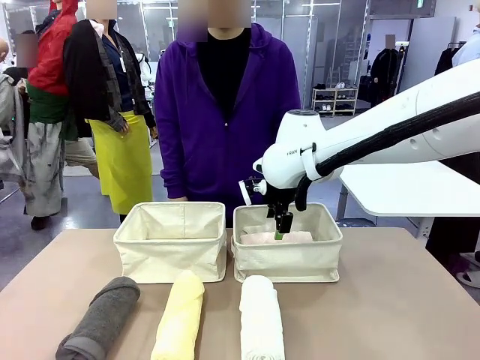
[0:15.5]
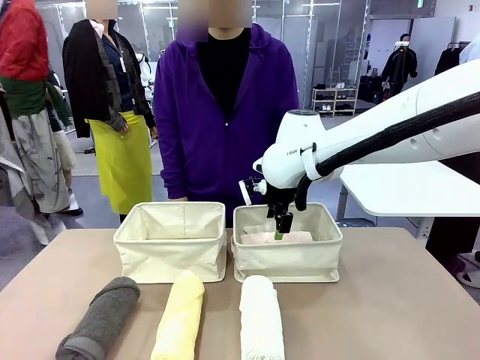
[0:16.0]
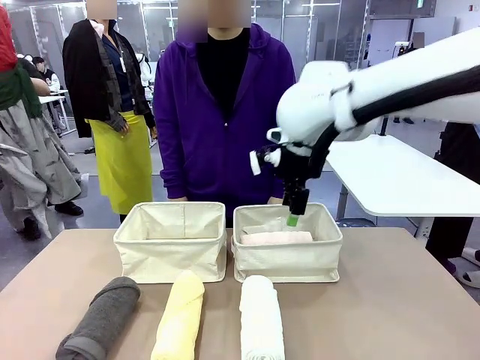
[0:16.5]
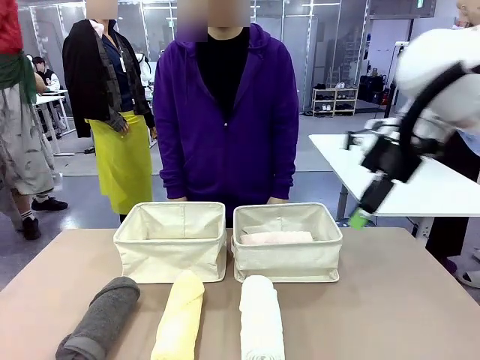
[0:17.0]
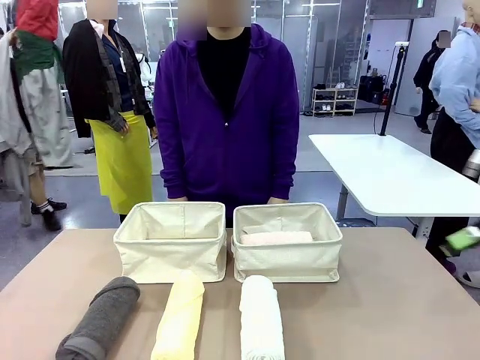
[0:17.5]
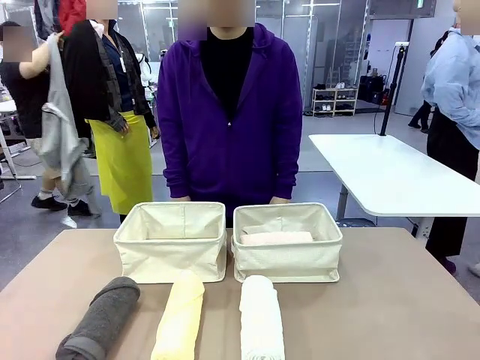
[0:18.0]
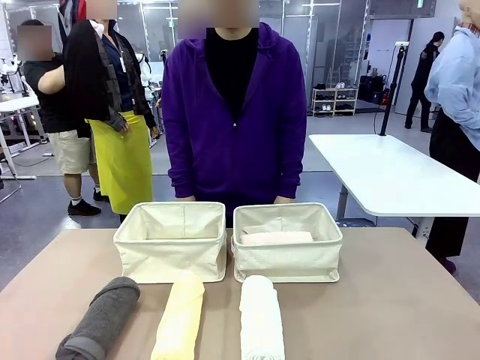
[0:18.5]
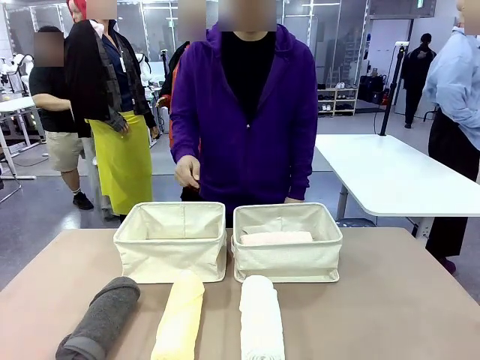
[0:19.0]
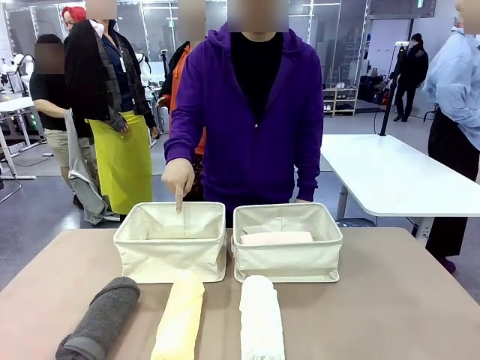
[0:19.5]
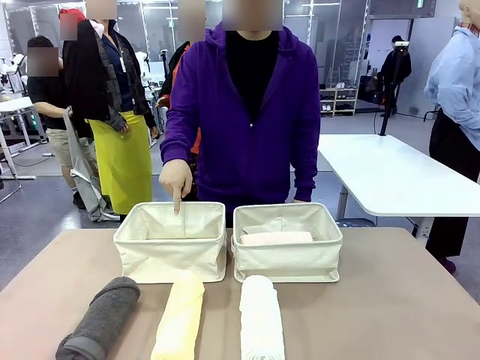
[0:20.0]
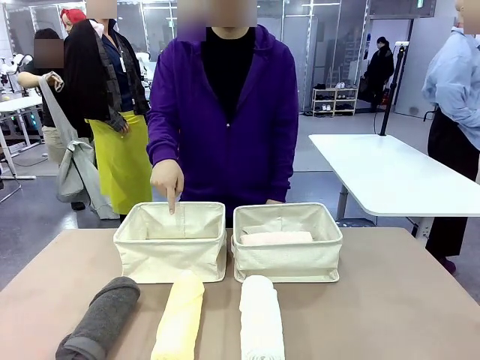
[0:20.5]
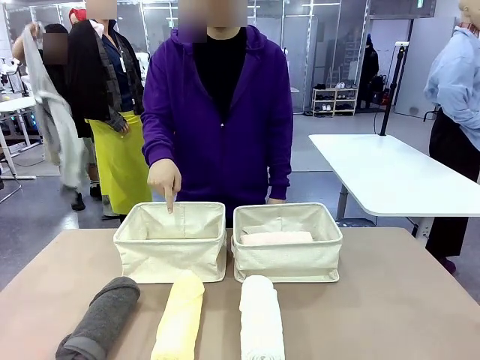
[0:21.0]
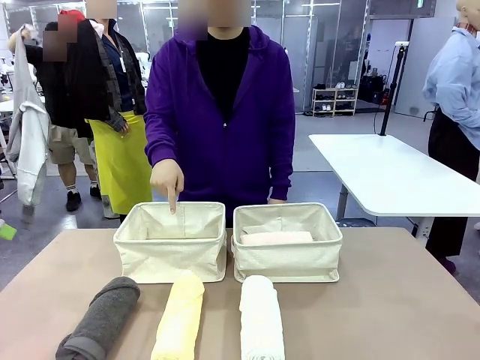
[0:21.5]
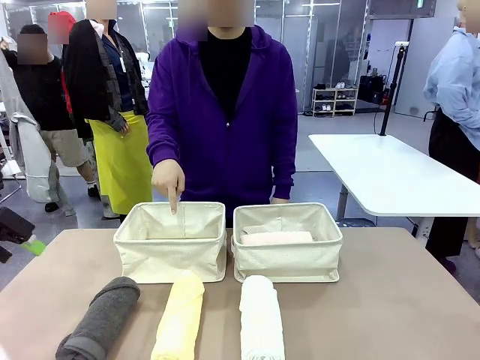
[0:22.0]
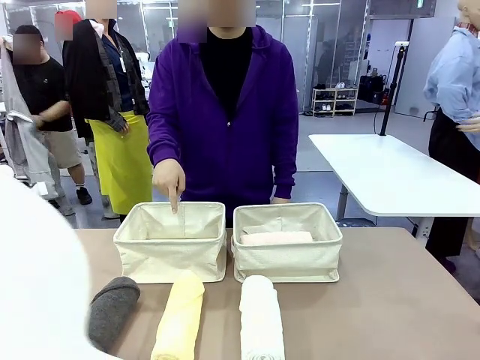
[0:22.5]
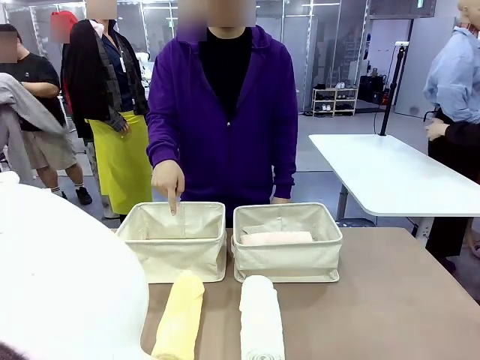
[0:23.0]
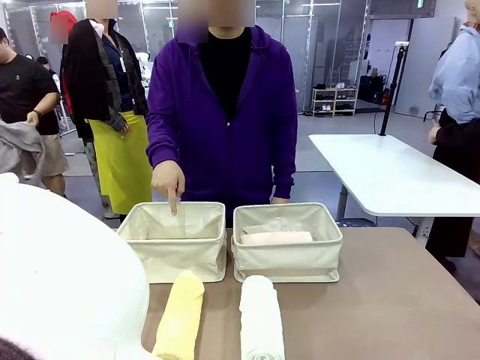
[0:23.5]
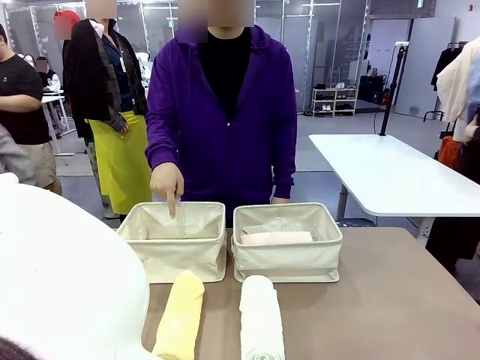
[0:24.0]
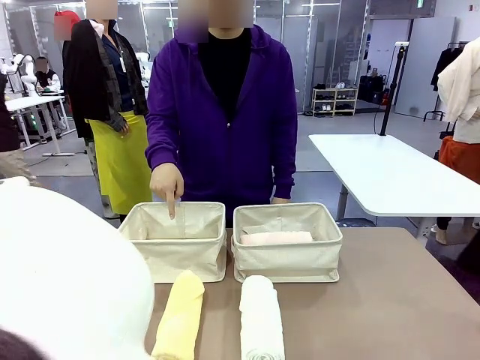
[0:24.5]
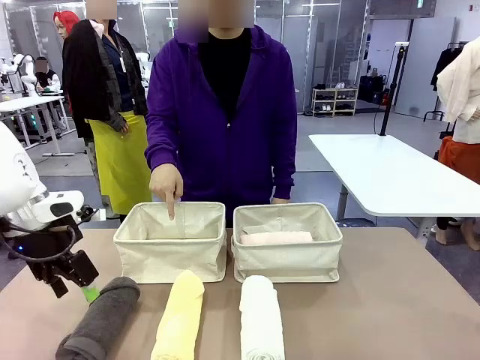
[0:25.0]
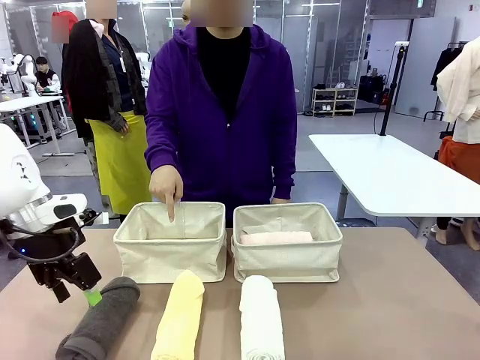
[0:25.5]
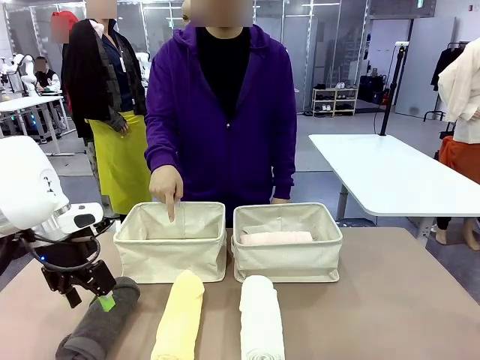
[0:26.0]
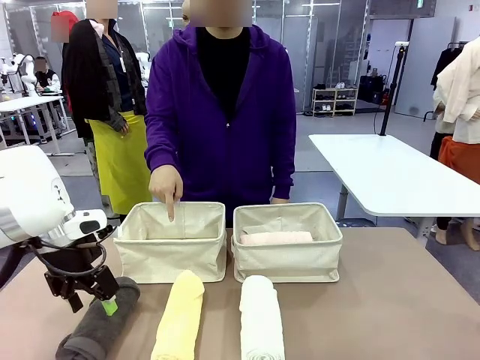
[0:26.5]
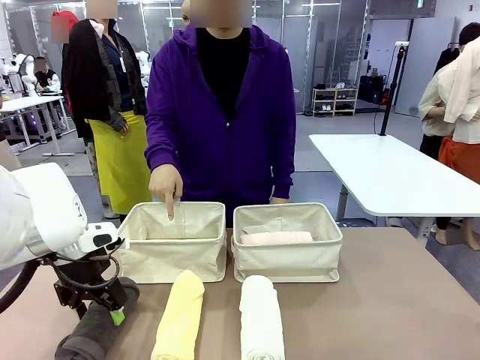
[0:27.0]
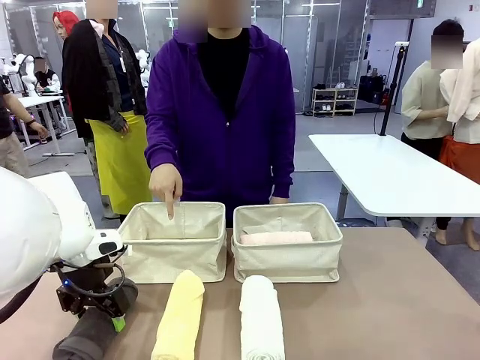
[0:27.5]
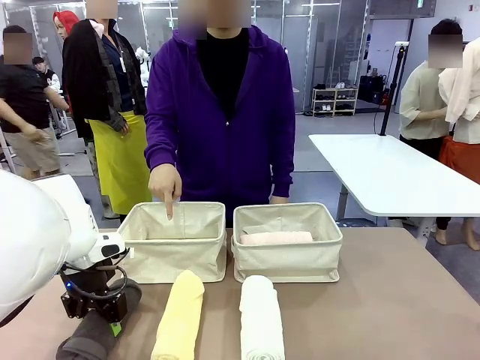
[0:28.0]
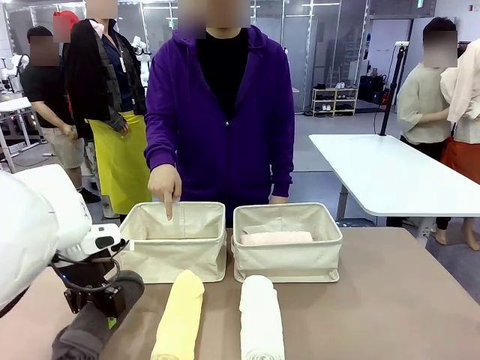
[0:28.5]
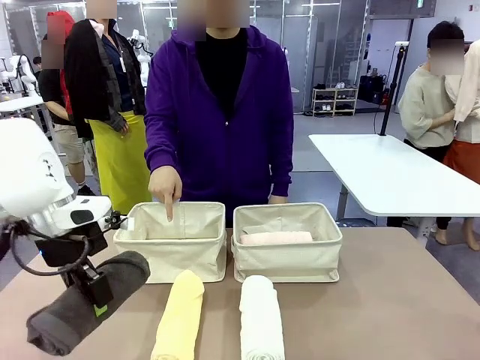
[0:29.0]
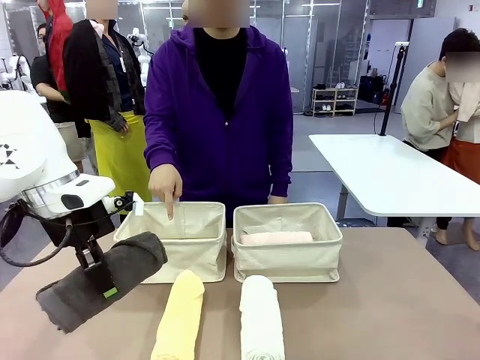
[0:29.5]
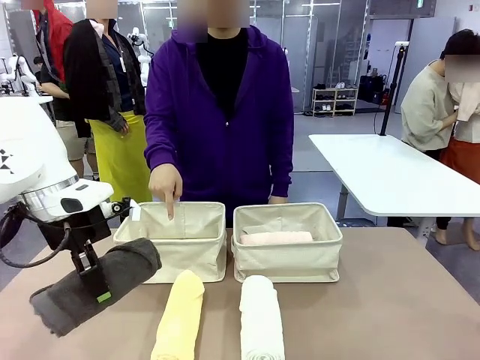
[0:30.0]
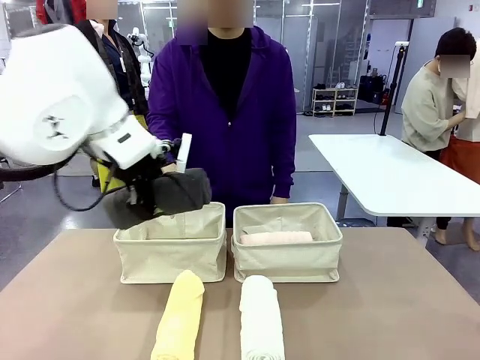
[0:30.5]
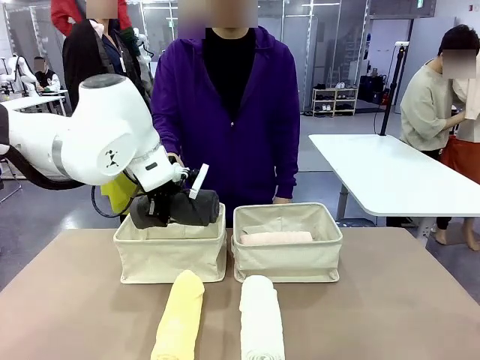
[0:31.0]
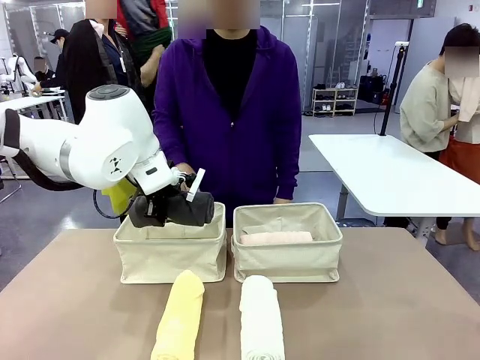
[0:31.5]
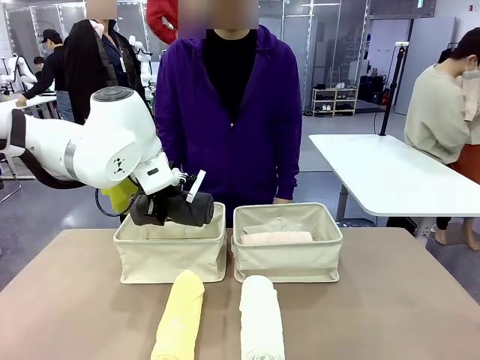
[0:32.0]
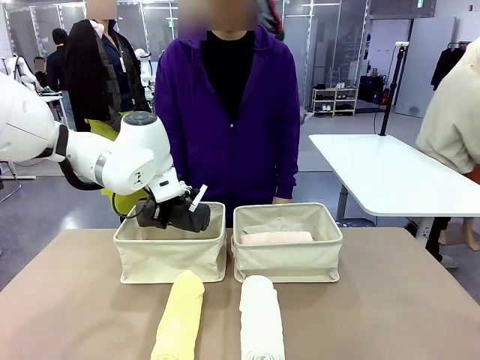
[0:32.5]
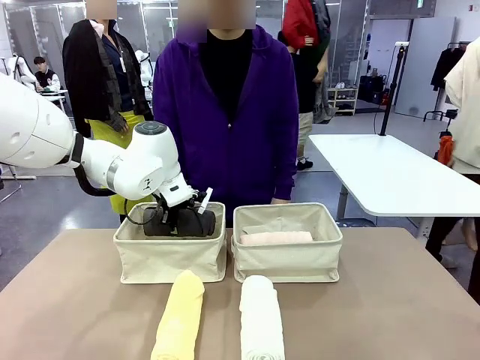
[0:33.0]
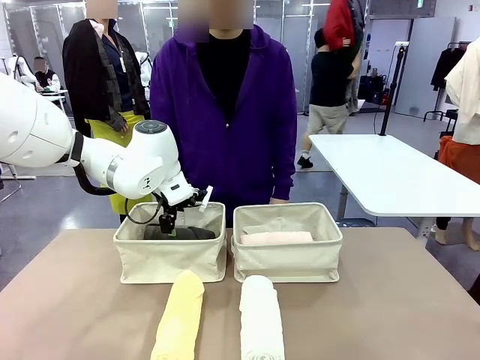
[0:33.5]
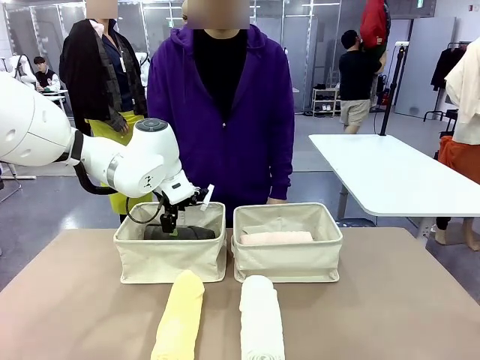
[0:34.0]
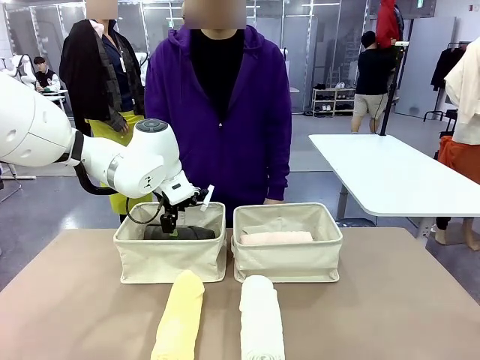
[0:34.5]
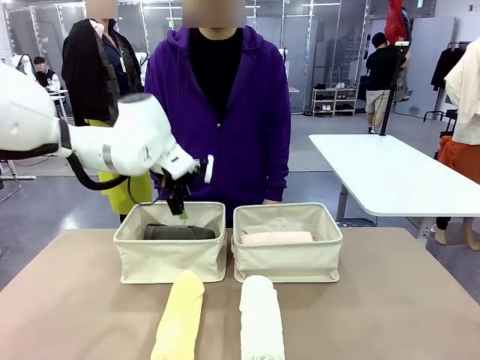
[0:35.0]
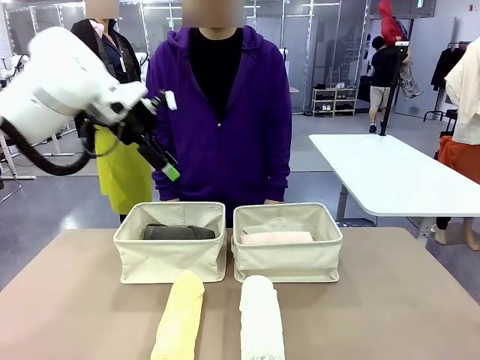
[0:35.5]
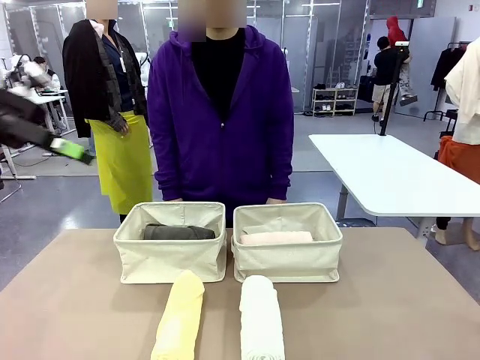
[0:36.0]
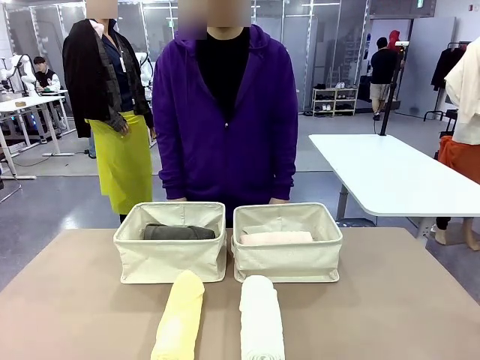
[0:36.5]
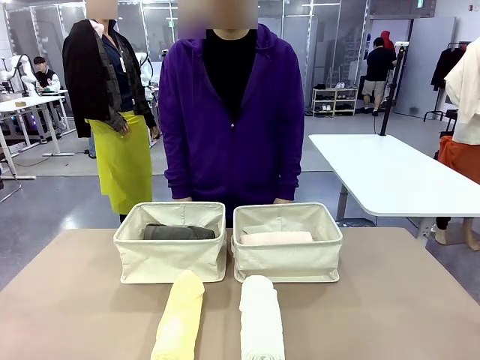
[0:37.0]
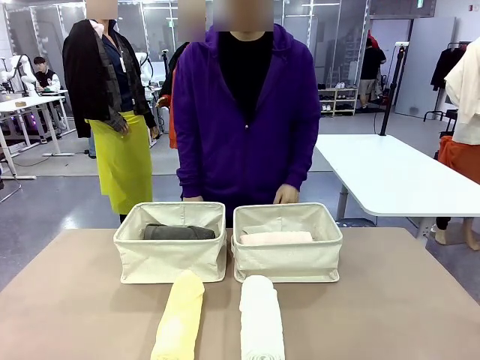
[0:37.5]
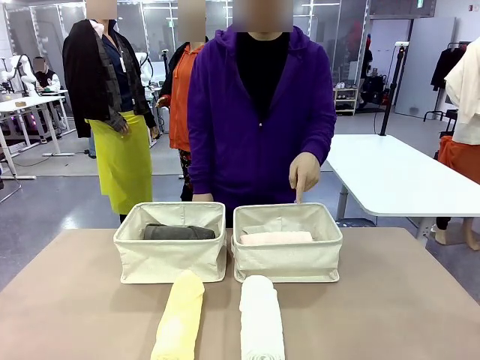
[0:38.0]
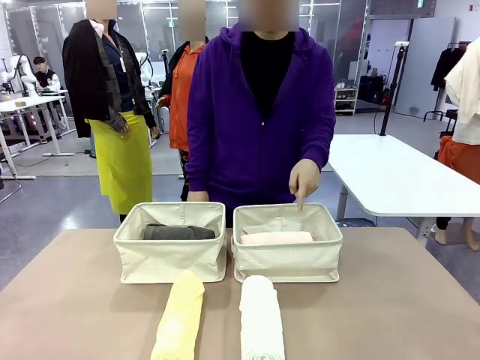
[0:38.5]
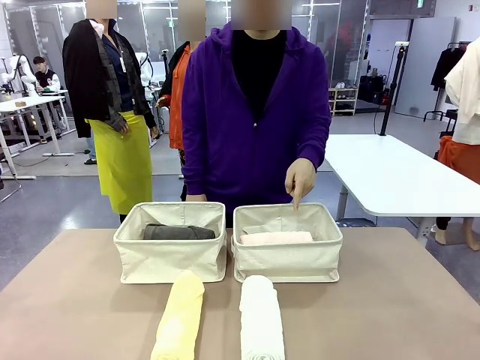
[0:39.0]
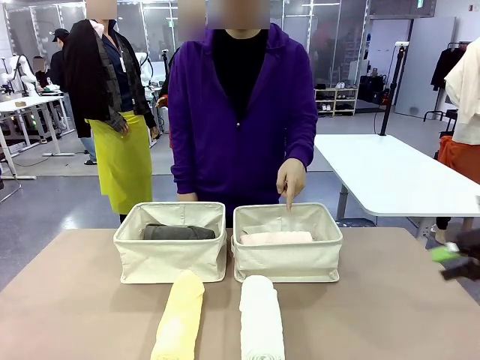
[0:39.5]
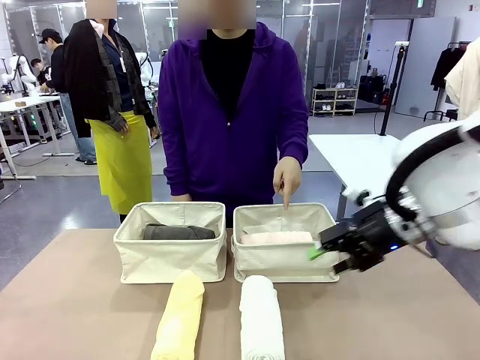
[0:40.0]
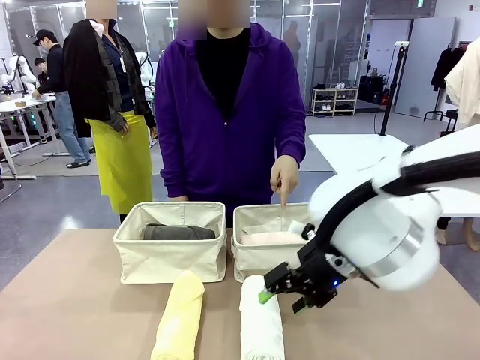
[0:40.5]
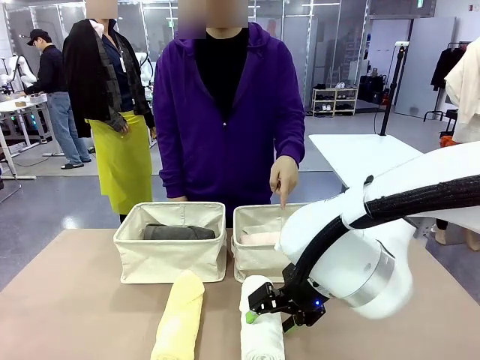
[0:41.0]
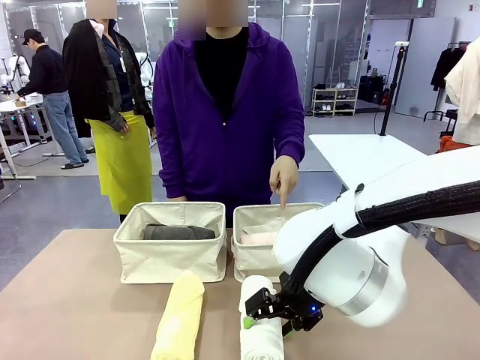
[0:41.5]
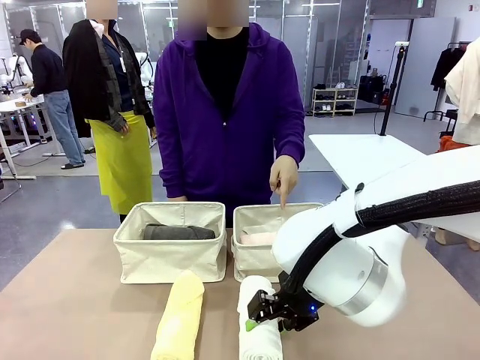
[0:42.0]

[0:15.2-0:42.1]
Task: Divide the towels into two baskets.
Robot: Pick up one hotel-folded towel from the bottom of the table and place it in the Fabric basket indicated by the person.
